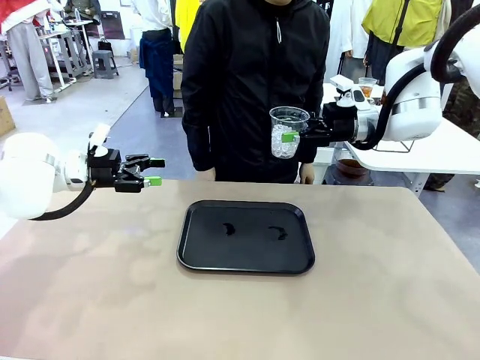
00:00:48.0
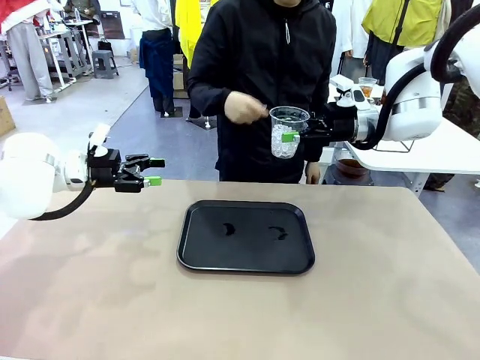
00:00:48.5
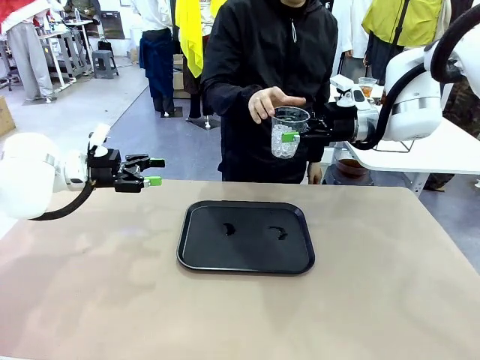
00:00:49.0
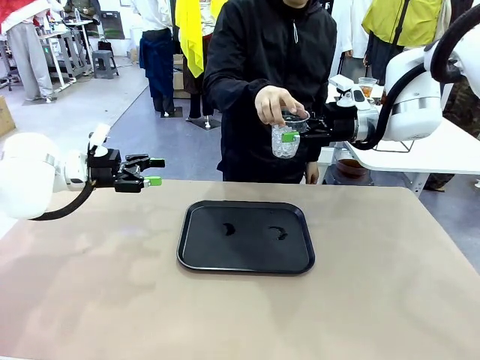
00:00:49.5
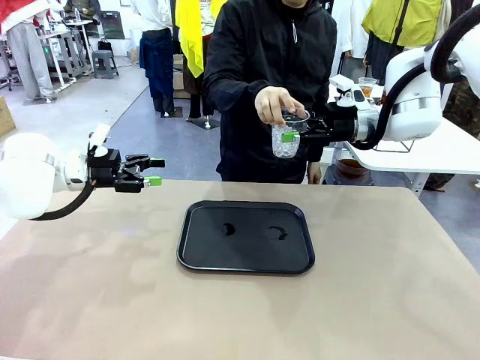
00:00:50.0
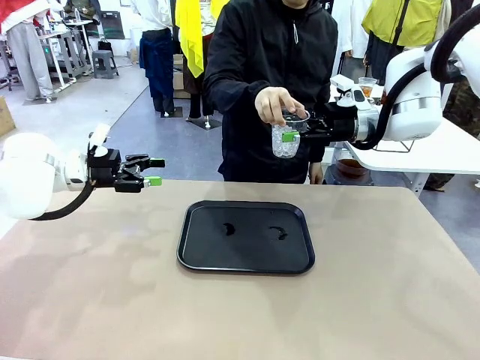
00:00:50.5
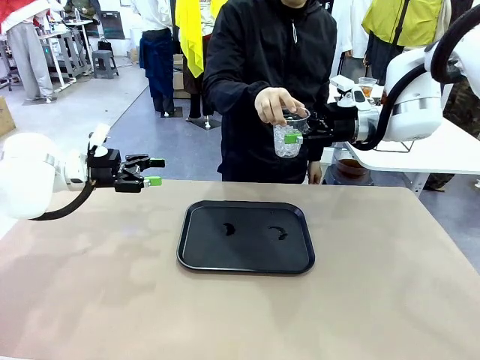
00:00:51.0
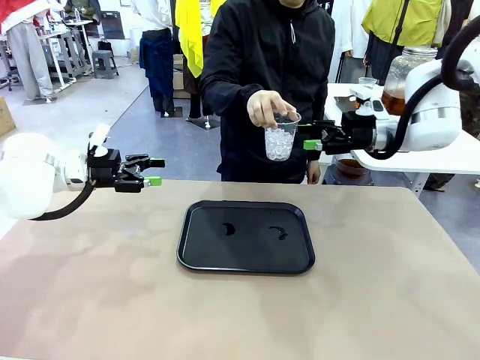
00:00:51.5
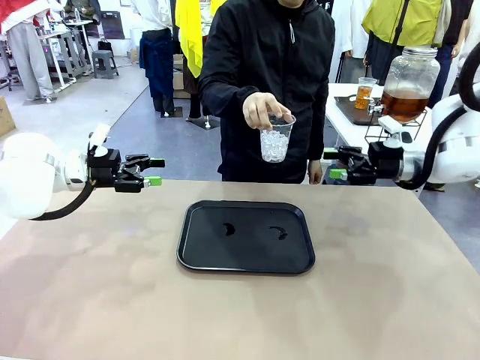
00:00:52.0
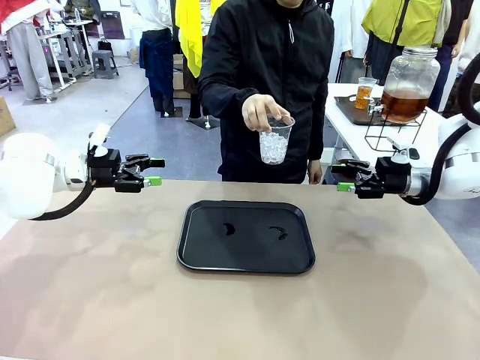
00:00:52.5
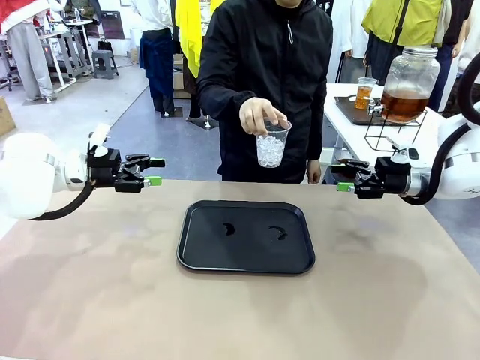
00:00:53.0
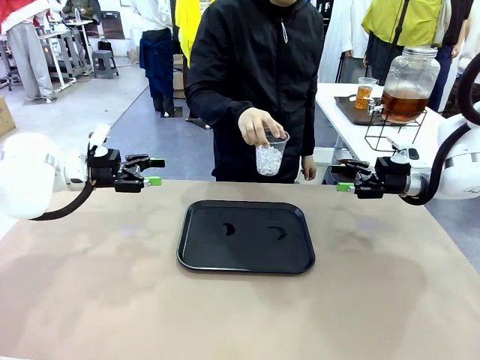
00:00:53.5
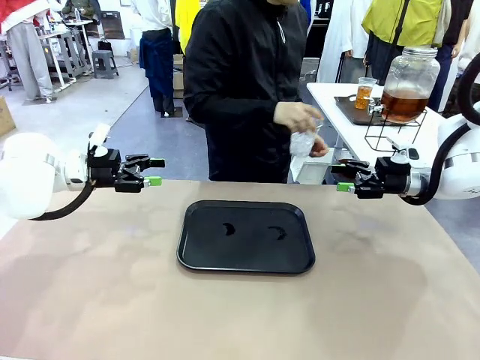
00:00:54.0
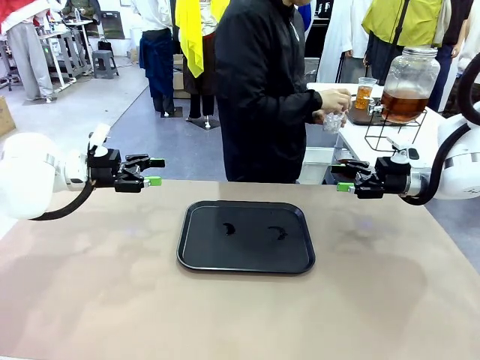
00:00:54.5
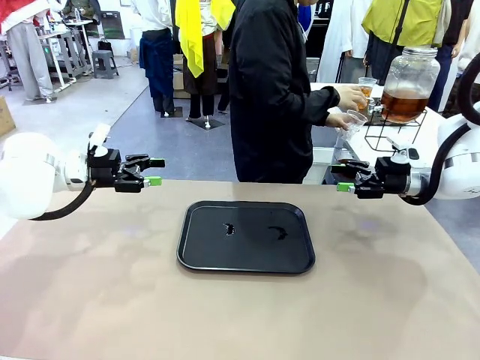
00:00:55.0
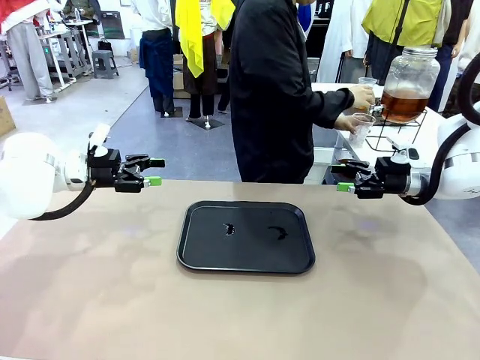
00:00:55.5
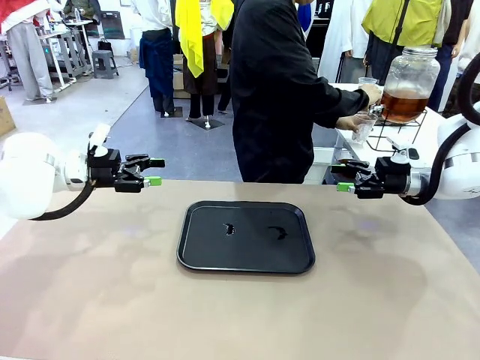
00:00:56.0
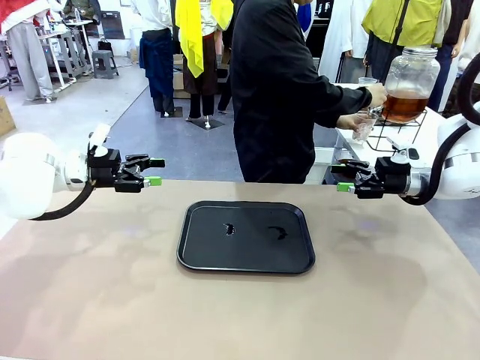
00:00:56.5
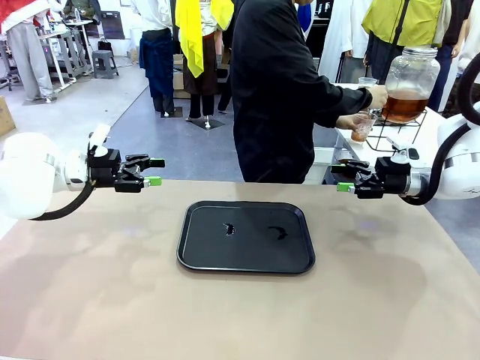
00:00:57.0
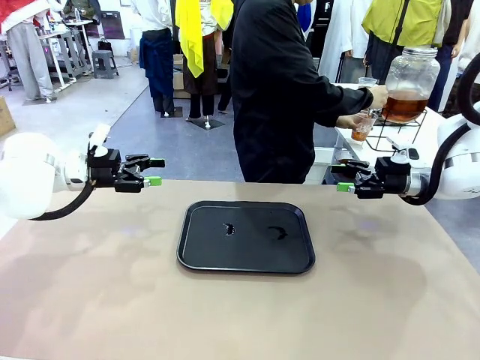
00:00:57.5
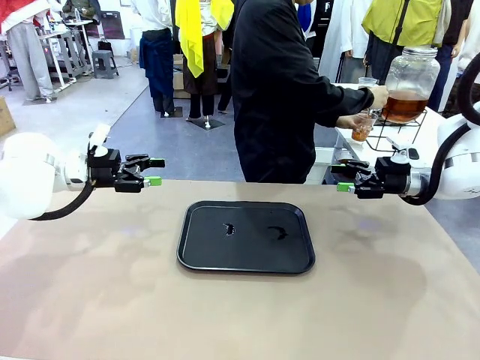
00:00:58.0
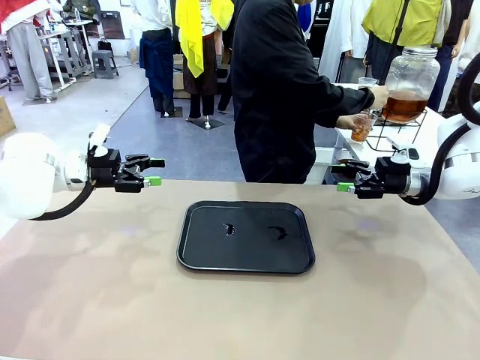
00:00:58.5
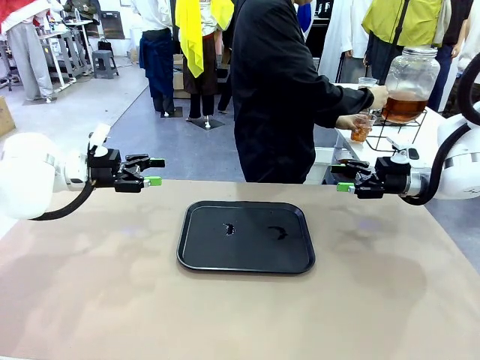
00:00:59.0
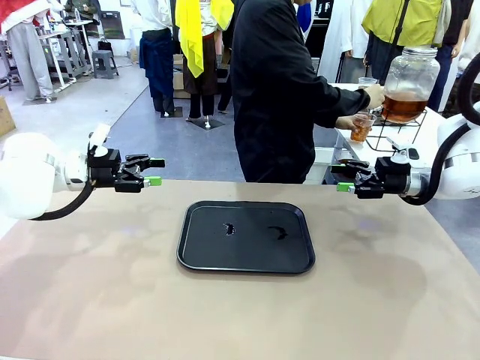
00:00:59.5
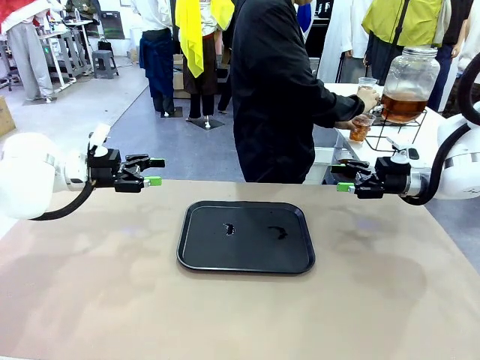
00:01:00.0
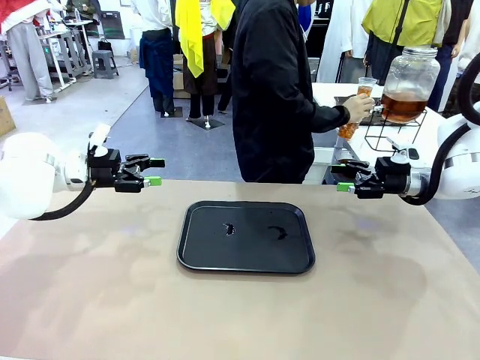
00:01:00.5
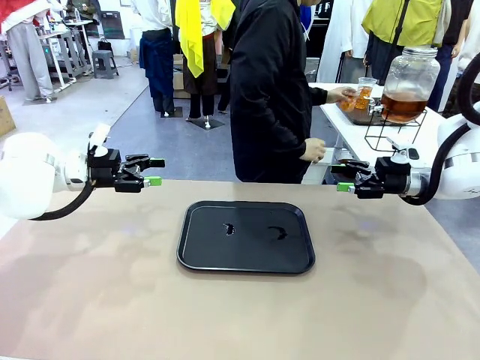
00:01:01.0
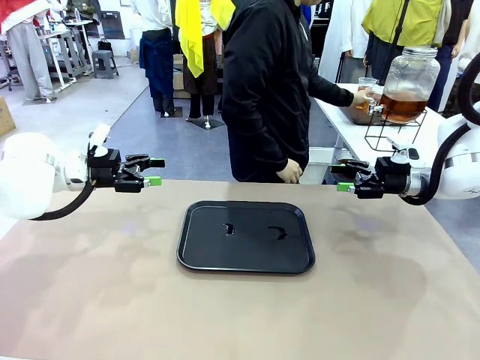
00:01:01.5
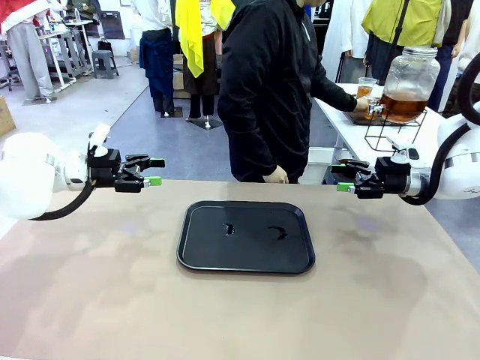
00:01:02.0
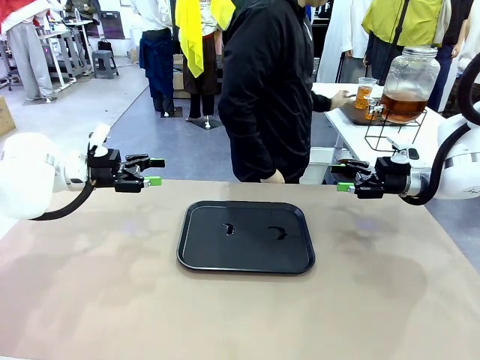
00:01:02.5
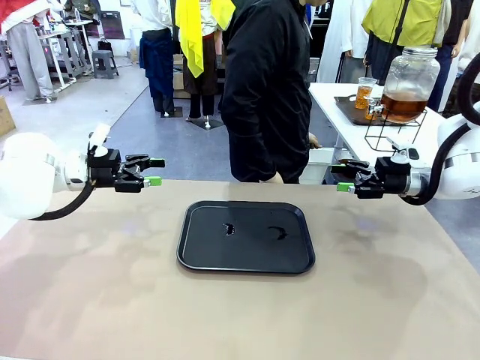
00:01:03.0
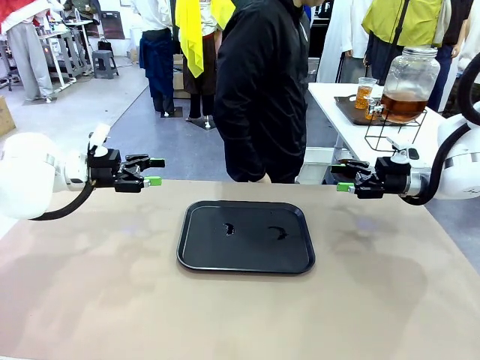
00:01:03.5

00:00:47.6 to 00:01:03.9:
Task: Pour the drink into the iced cup.
Robot: Open the gripper to release the iced cup you were holding.
Person: Move the picked-up cup under the dispenser faucet, pour the drink, and place it on the tray on the human table.

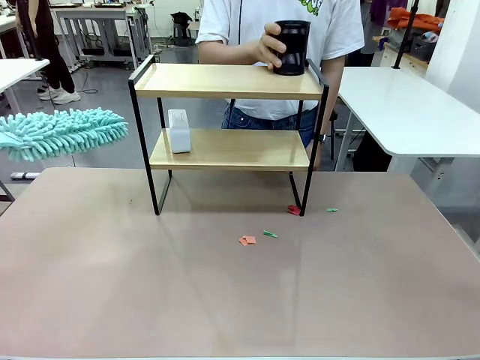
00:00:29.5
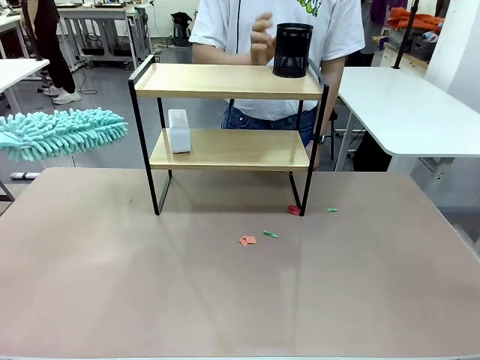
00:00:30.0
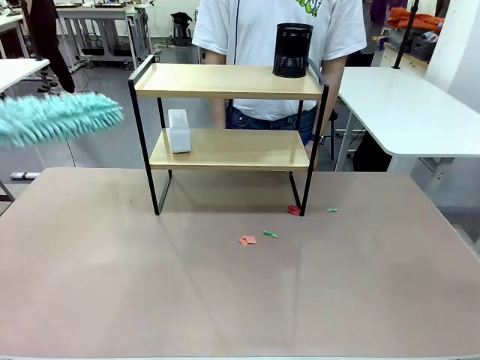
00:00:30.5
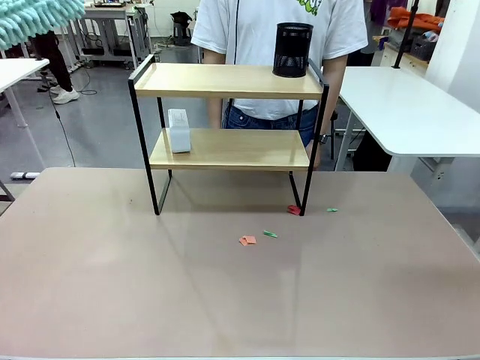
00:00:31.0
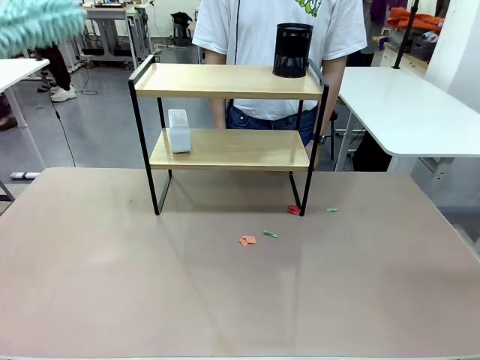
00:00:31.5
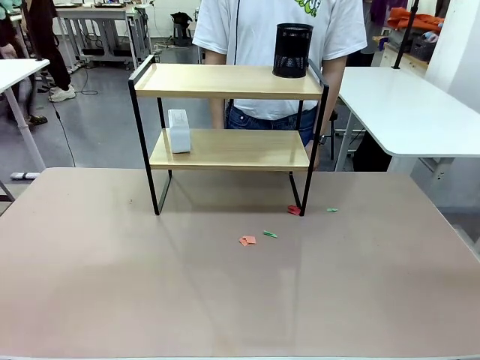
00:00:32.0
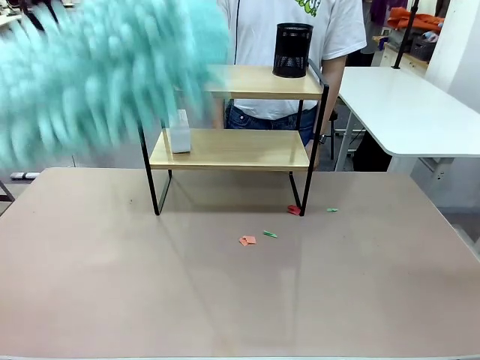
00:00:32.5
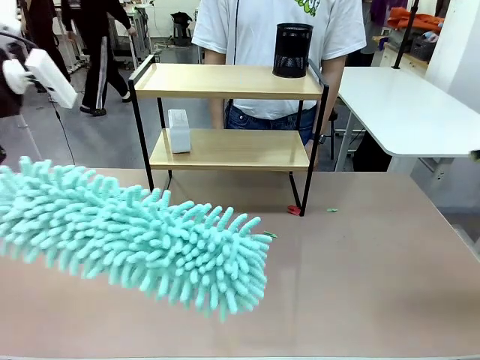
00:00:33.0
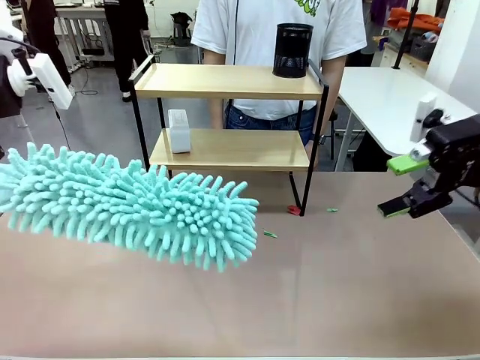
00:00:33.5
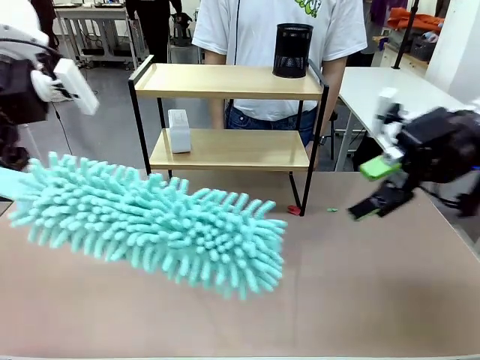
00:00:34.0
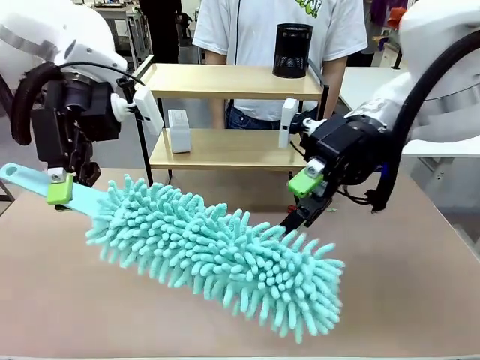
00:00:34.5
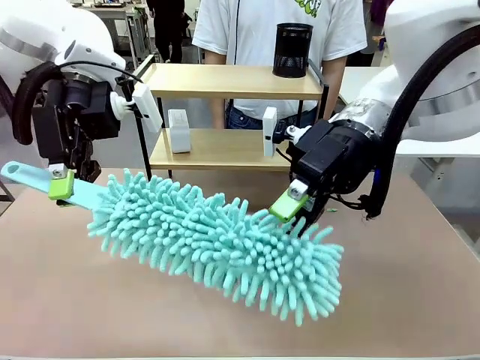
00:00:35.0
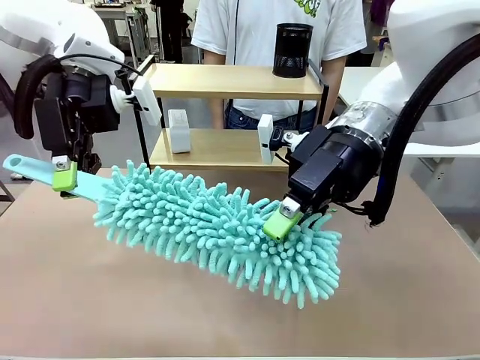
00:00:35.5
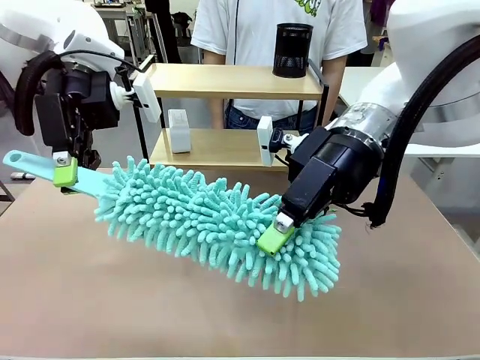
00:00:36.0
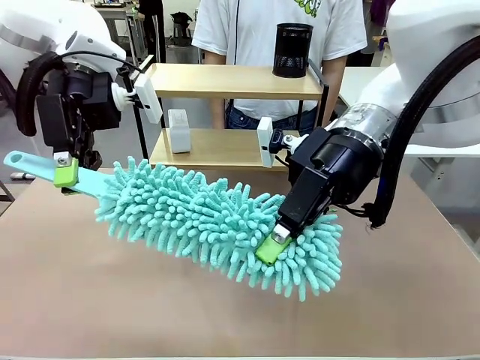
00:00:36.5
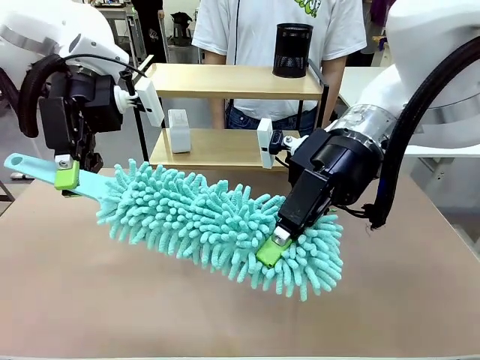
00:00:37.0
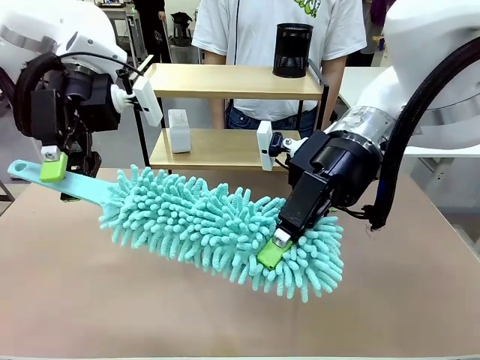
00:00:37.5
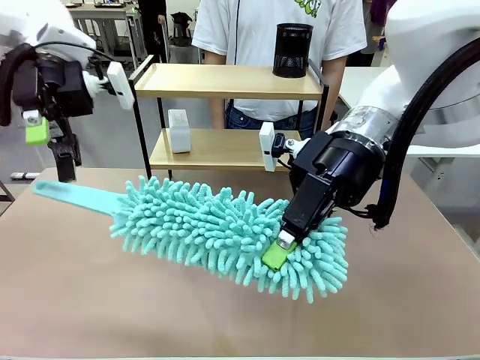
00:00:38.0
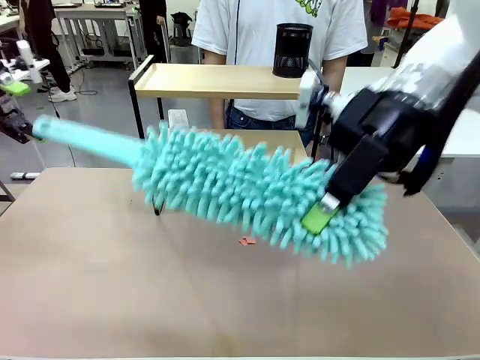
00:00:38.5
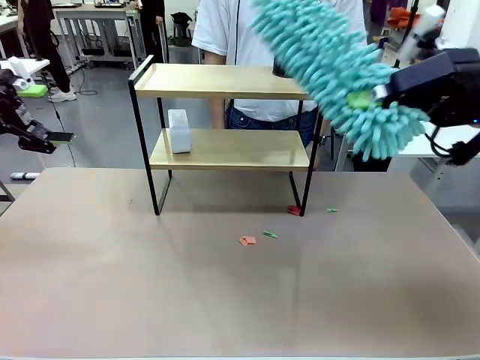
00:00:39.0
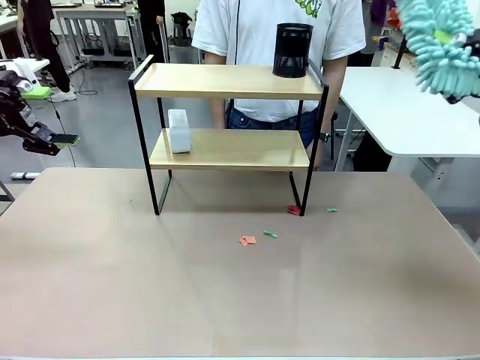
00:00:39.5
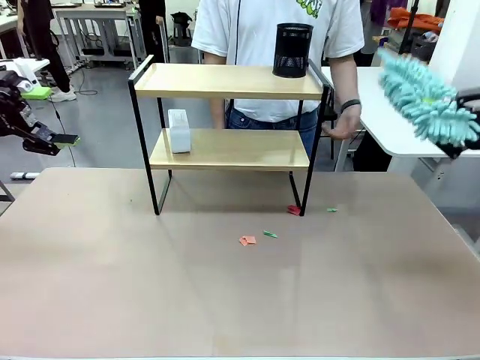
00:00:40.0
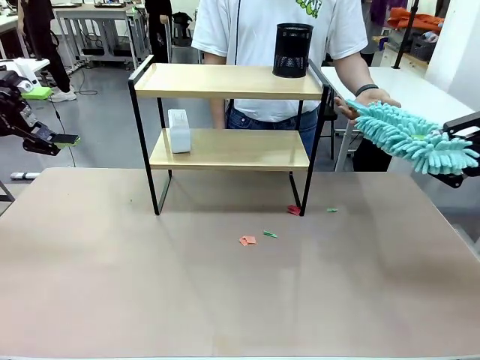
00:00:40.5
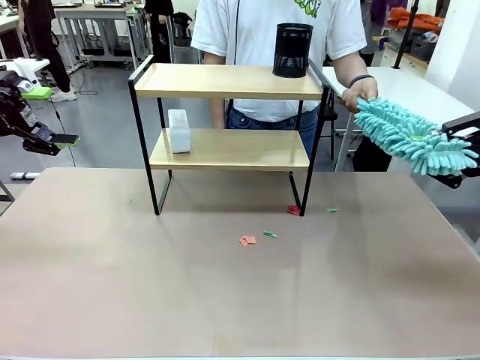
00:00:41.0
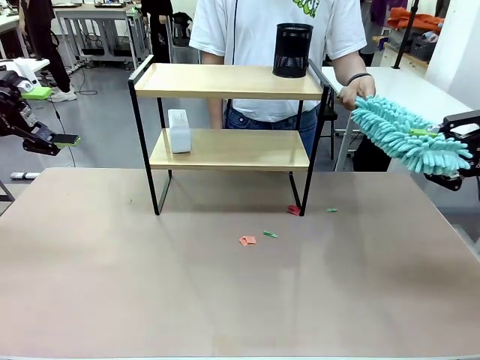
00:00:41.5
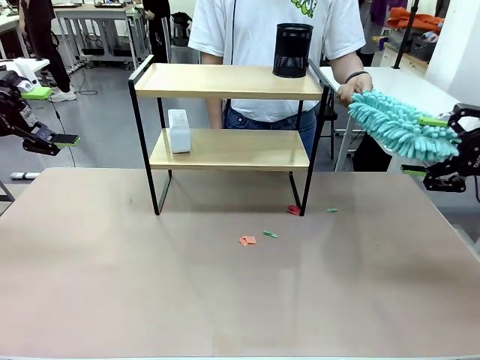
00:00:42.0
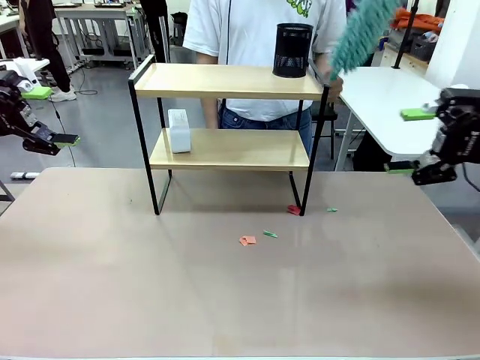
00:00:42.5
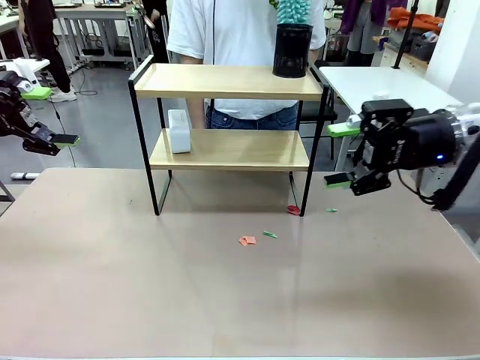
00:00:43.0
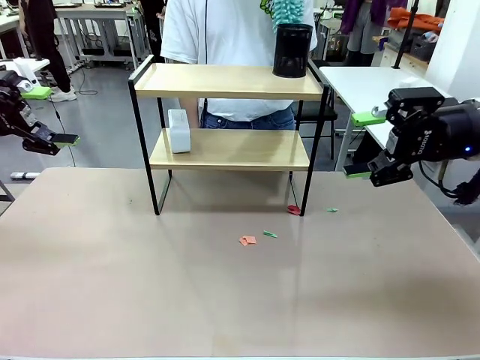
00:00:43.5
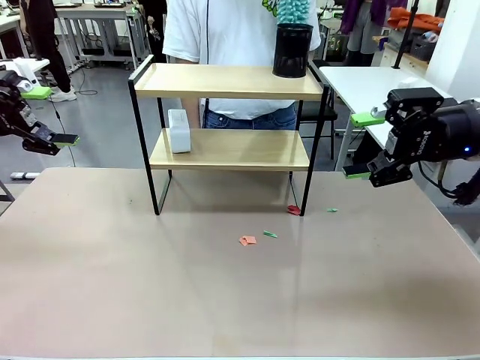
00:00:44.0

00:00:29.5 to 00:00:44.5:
Task: Clean the shelf.
Robot: Hand the Duster back to the human.
Person: Receive the Duster from the robot.
